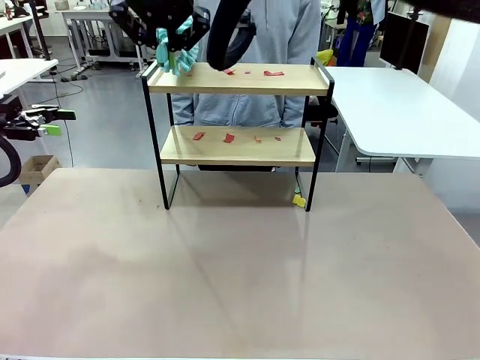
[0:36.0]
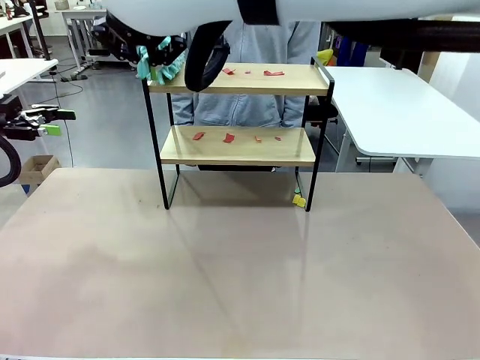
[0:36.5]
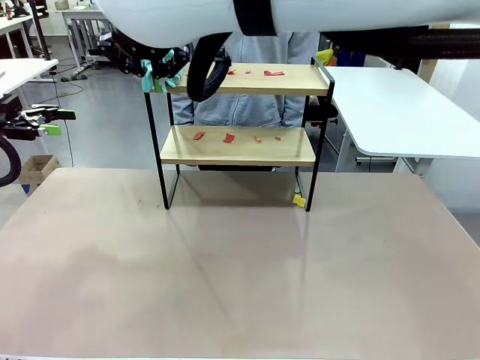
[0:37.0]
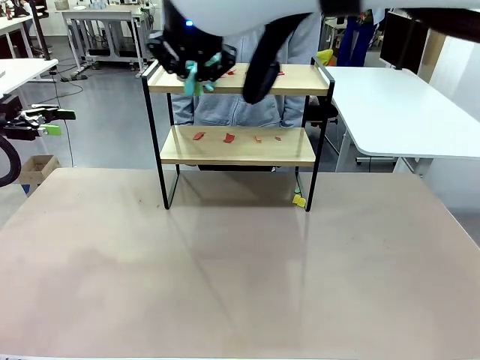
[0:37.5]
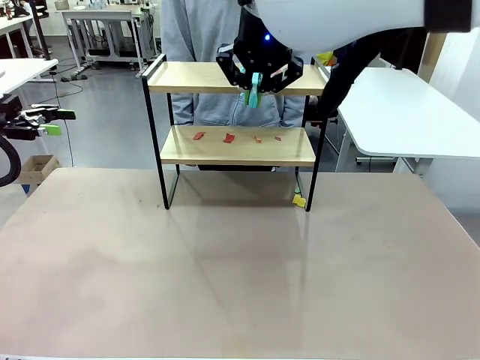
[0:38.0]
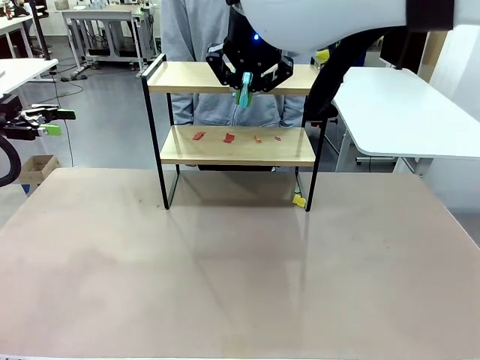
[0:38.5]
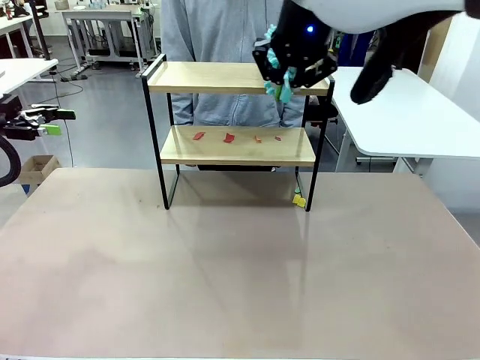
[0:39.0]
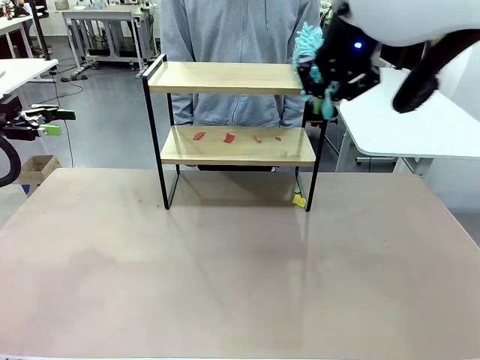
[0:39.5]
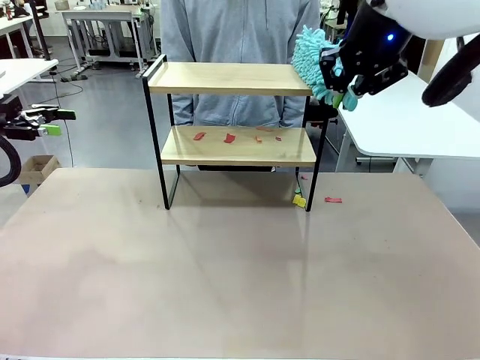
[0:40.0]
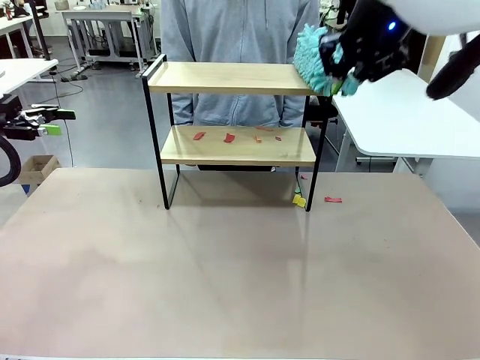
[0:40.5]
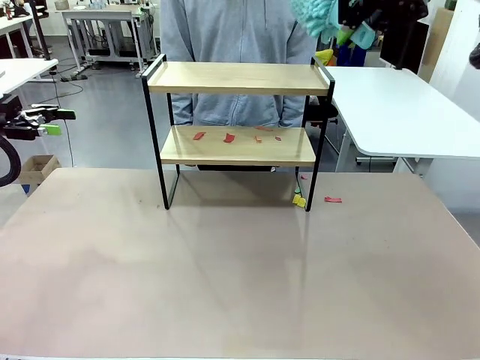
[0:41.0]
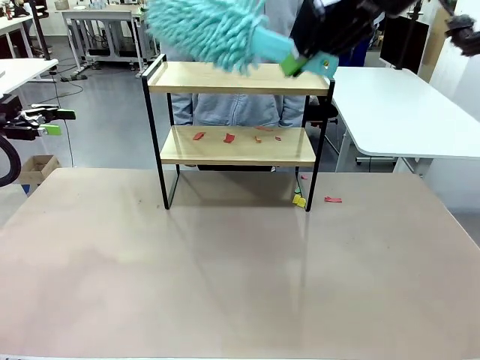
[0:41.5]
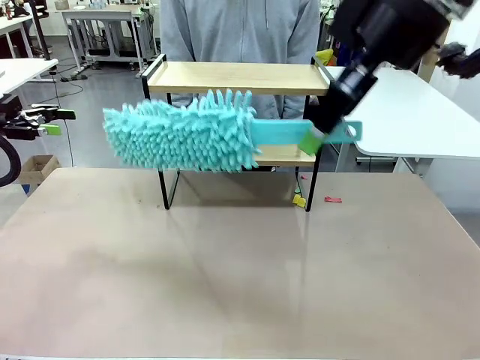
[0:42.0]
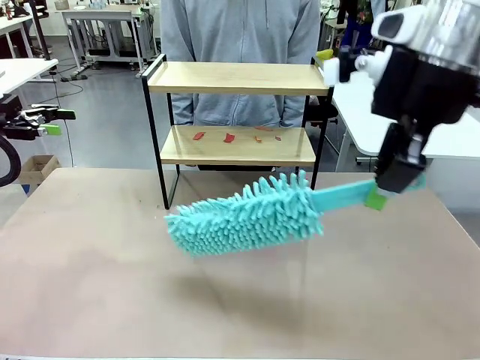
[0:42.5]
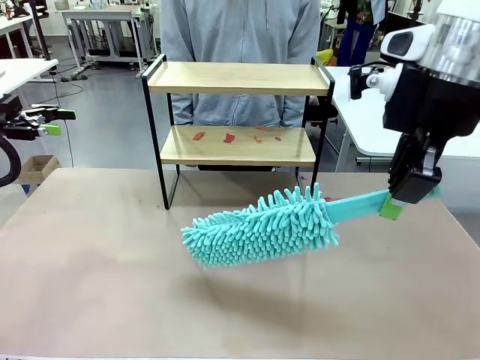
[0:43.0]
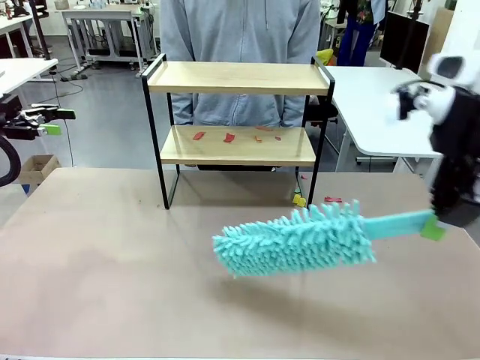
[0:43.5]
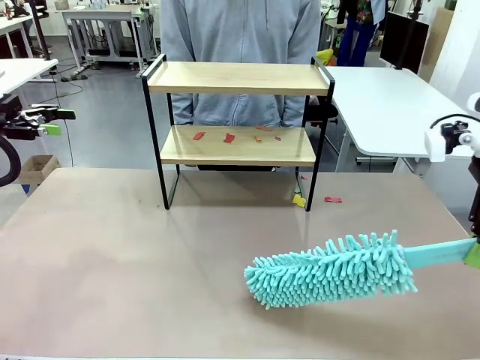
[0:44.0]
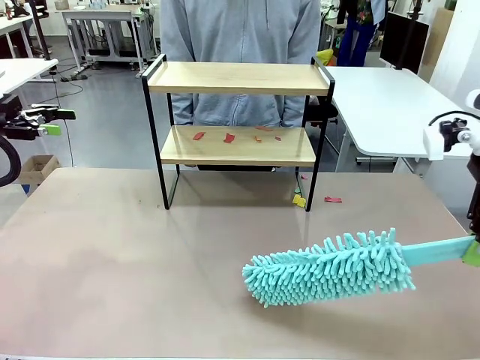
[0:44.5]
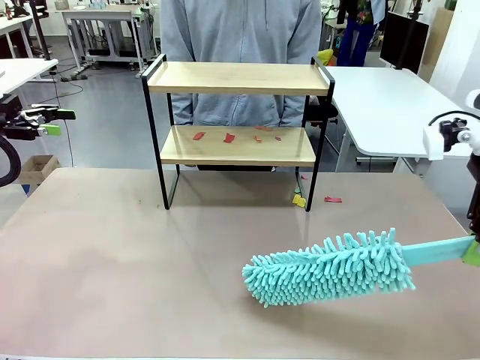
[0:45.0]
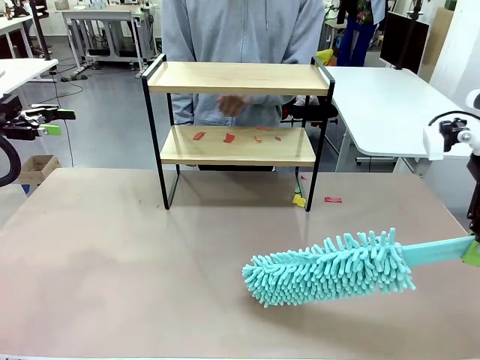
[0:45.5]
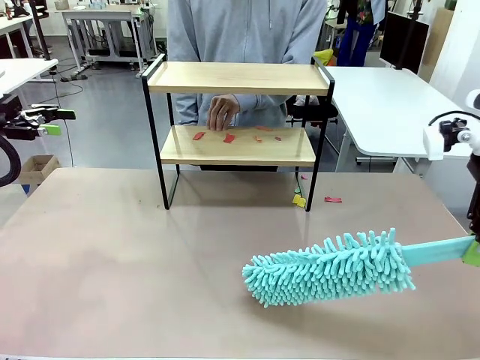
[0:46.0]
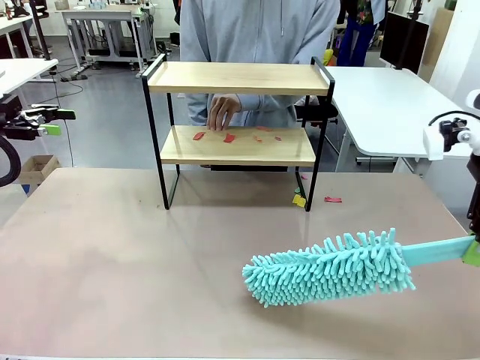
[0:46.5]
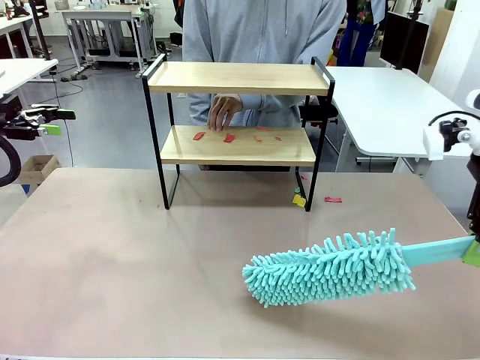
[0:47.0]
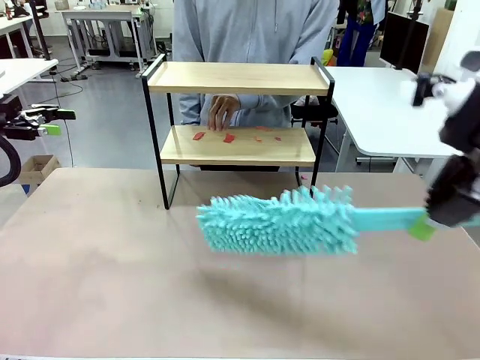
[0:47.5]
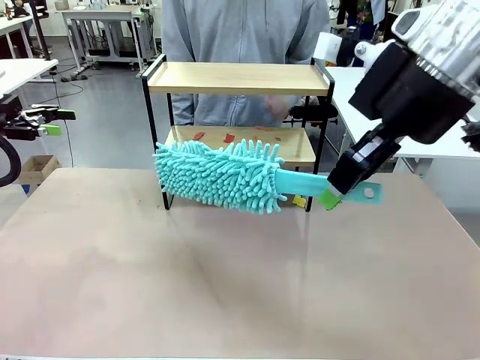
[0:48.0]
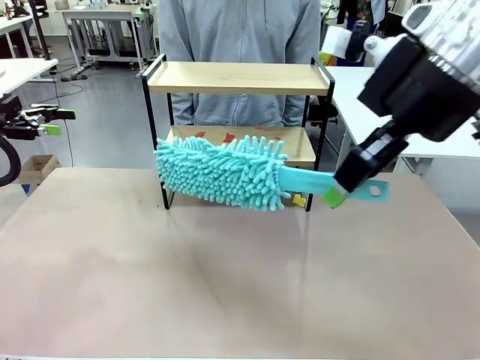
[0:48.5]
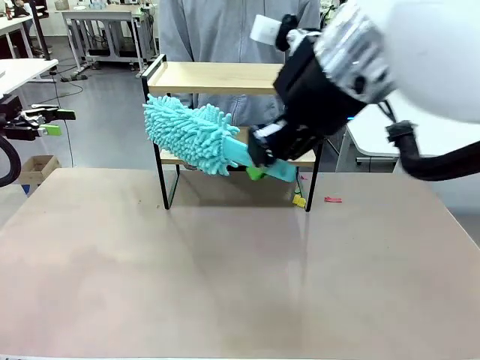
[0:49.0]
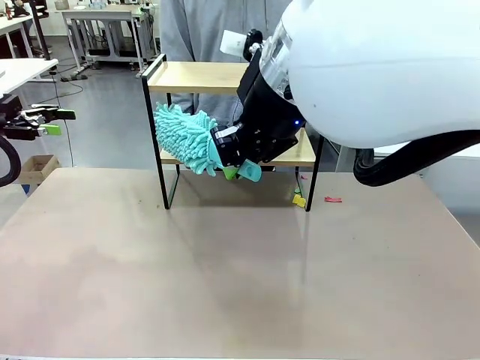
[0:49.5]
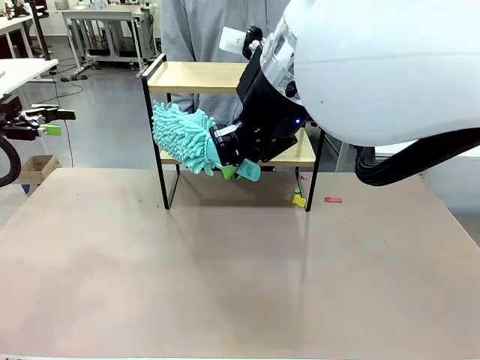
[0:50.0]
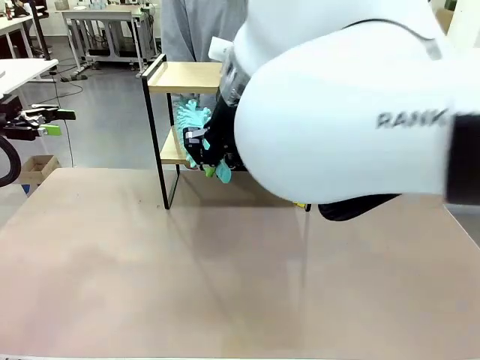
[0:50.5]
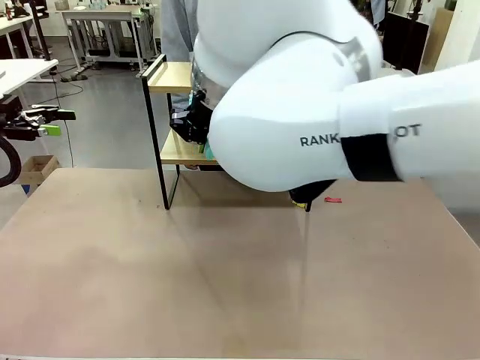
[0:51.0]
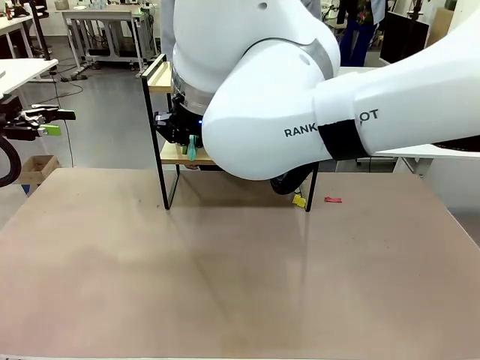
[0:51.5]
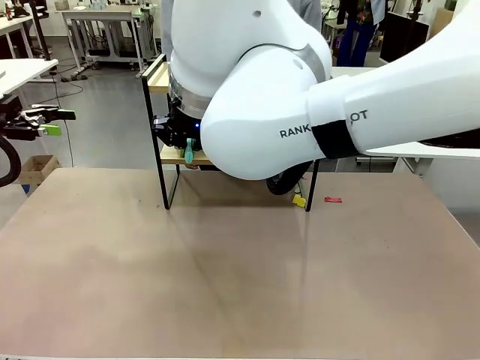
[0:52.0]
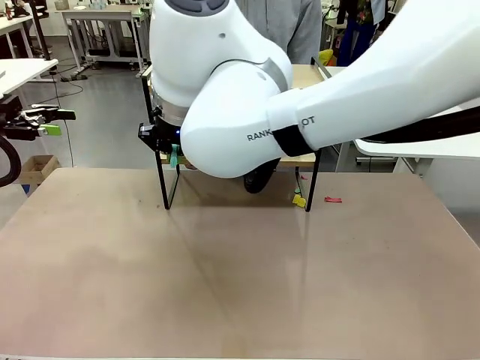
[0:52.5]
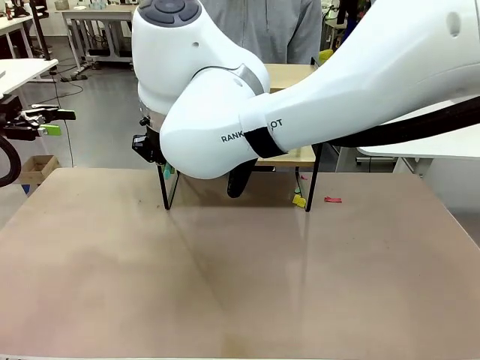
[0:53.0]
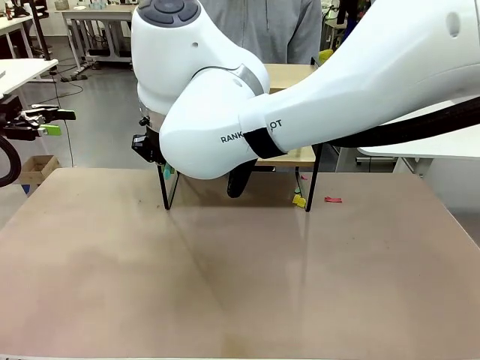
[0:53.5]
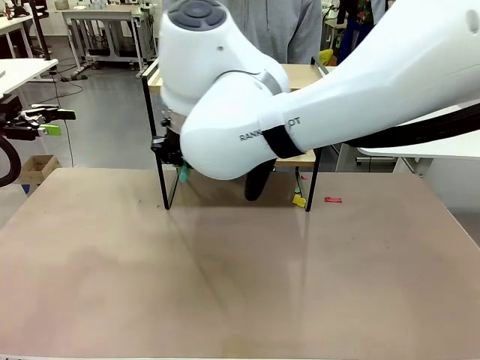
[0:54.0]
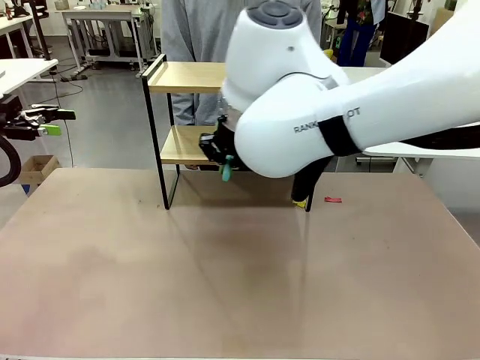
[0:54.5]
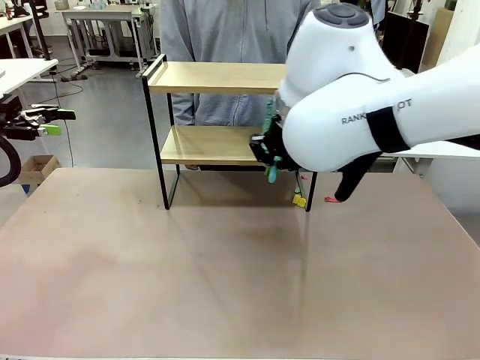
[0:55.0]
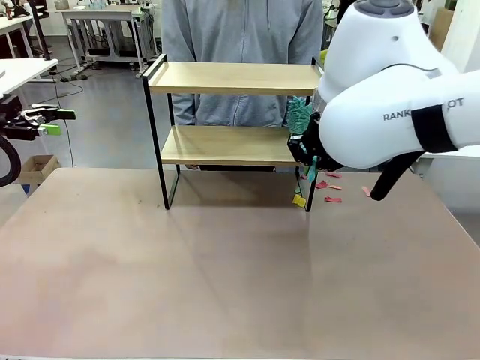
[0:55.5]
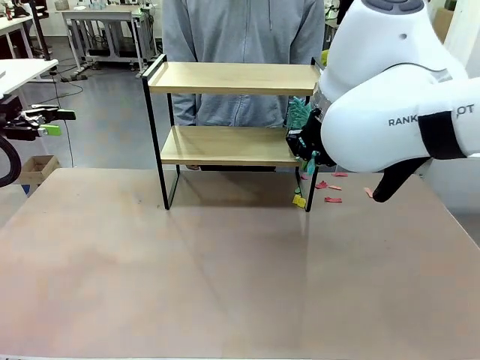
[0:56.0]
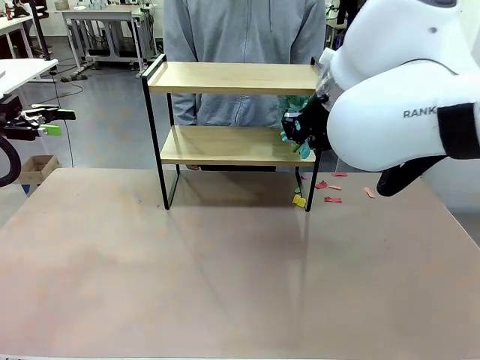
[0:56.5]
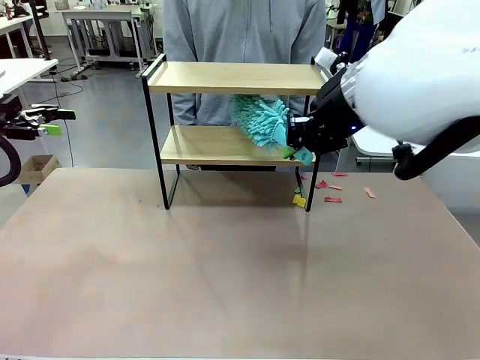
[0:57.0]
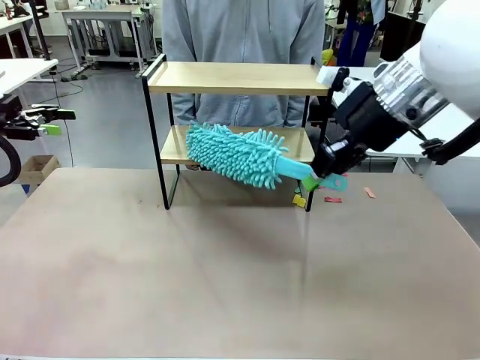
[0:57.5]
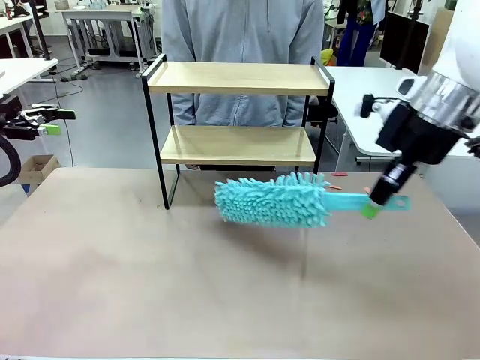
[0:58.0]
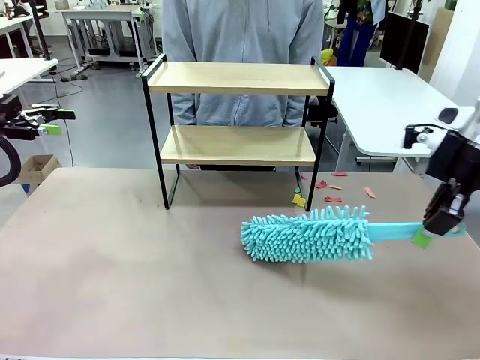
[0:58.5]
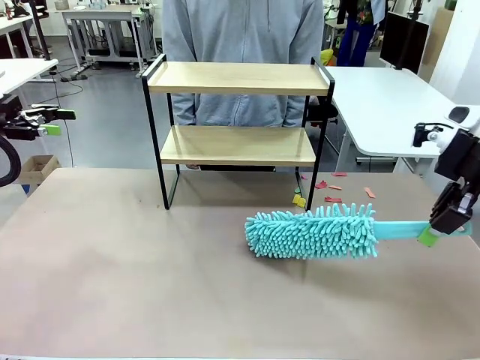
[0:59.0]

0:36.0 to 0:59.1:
Task: Clean the shelf.
Robot: Clean the specific section of the Shelf indicated by the human with the Duster.
Person: Point a remaining section of the Shelf.

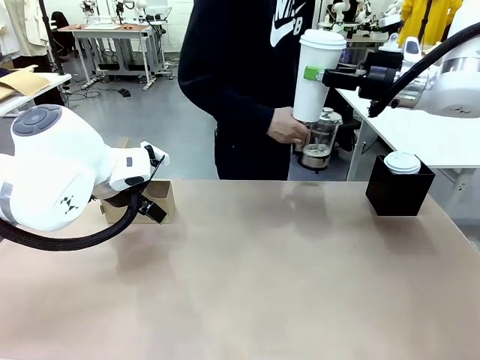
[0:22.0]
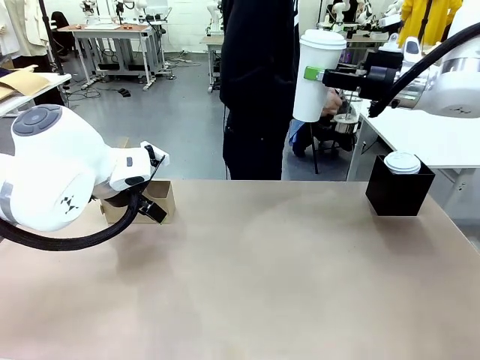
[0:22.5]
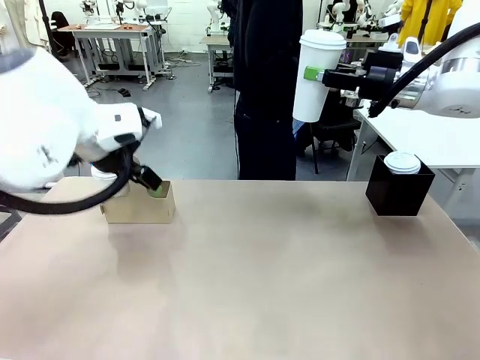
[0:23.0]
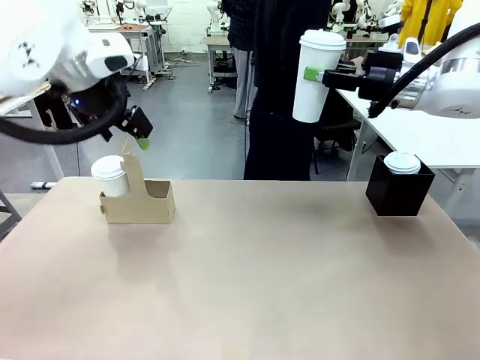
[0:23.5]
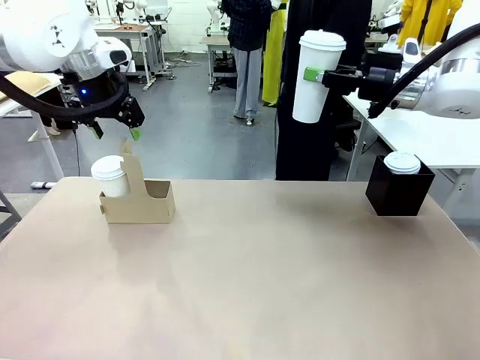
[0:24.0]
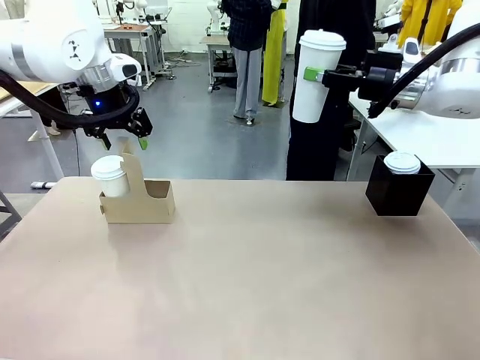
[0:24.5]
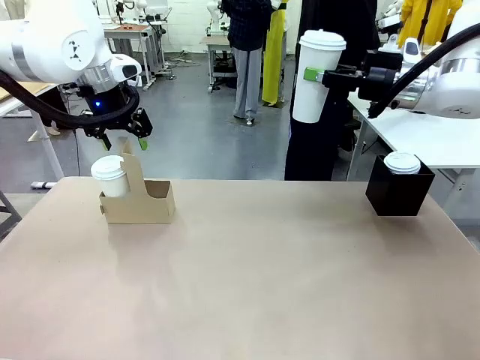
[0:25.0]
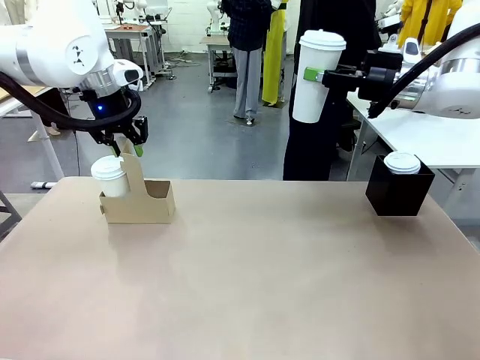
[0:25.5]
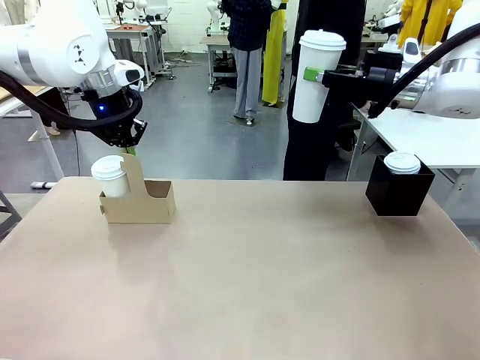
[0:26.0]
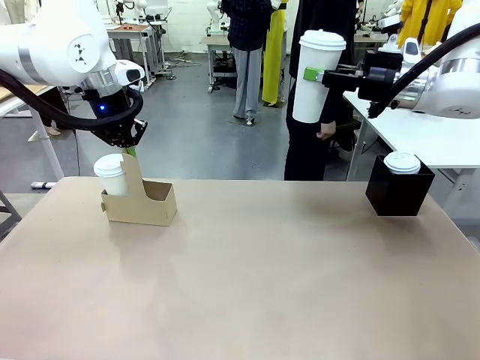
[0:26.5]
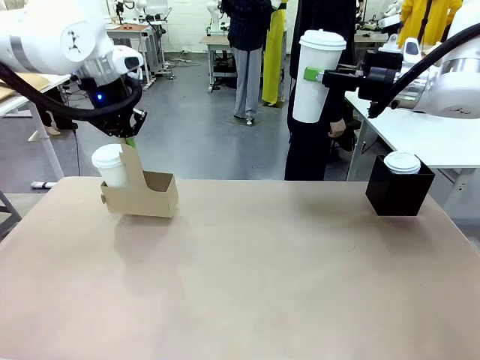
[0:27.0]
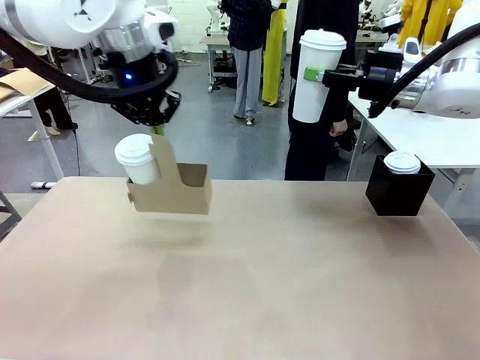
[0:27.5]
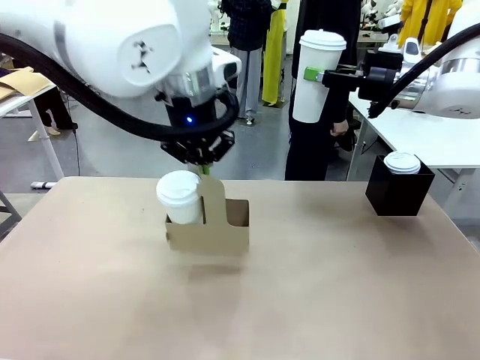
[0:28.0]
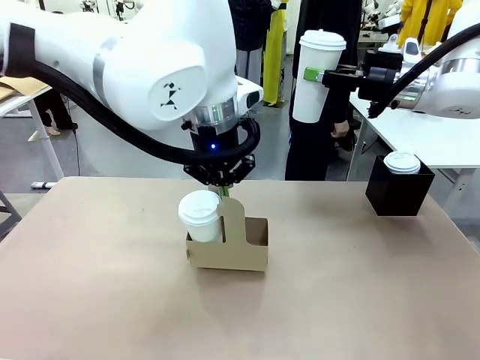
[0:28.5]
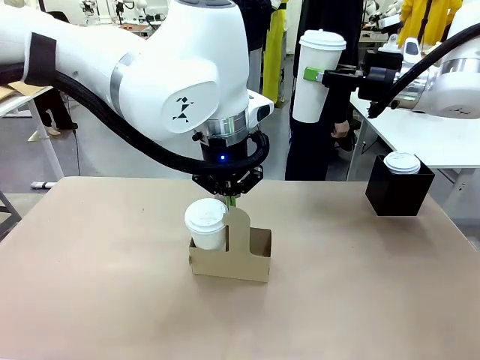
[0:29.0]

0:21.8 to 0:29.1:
Task: Pour a drink into a cup and package it in a carrier.
Robot: Position the Cup Carrier in the center of the table.
